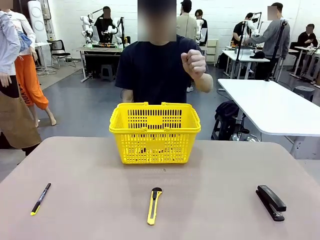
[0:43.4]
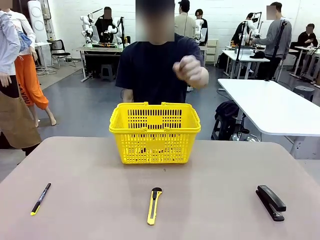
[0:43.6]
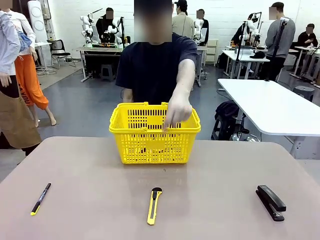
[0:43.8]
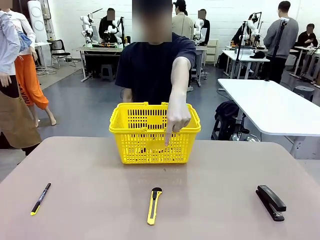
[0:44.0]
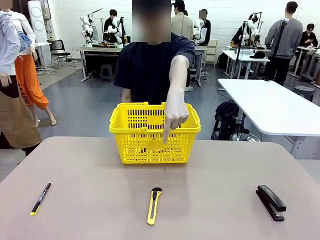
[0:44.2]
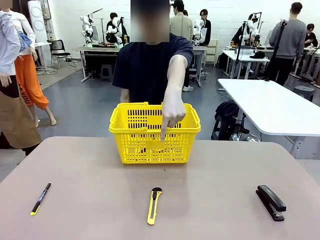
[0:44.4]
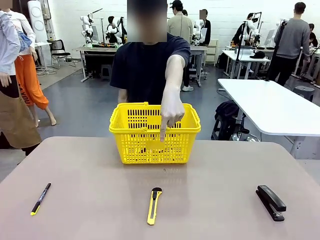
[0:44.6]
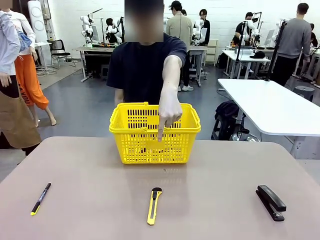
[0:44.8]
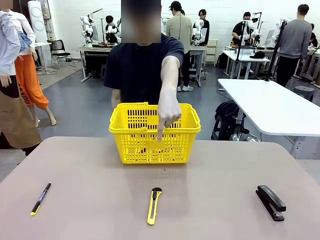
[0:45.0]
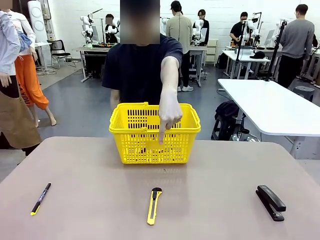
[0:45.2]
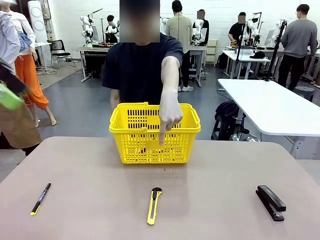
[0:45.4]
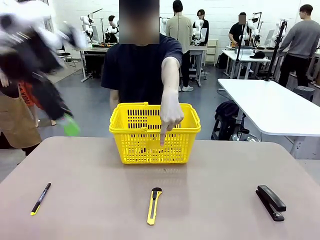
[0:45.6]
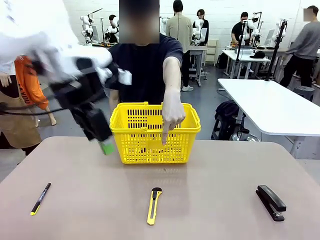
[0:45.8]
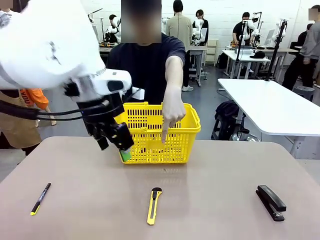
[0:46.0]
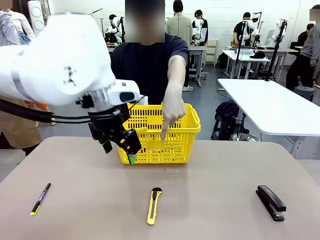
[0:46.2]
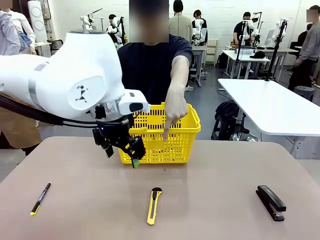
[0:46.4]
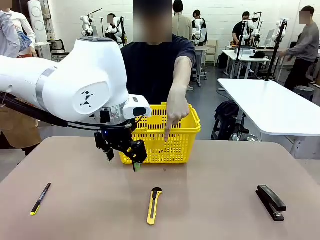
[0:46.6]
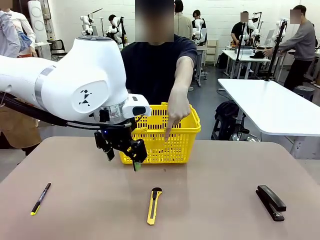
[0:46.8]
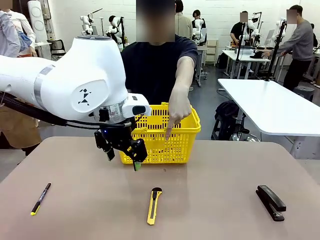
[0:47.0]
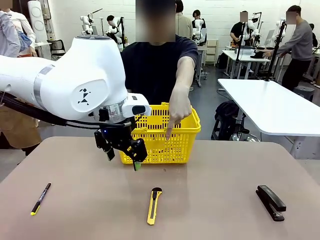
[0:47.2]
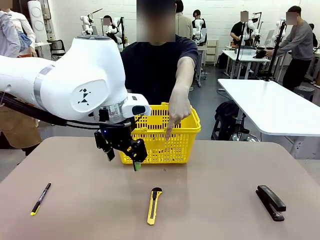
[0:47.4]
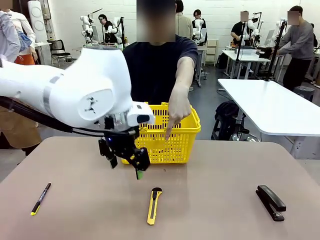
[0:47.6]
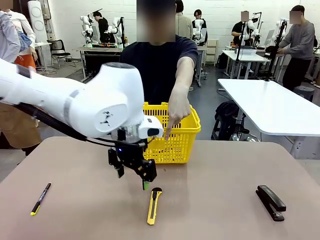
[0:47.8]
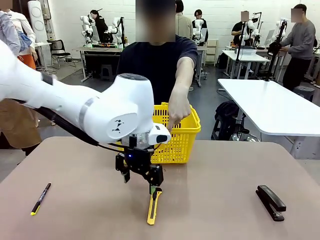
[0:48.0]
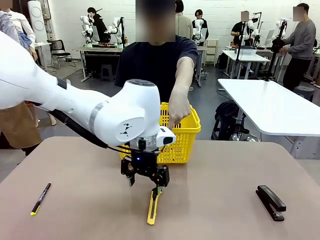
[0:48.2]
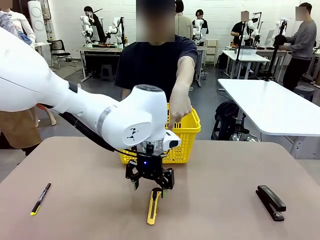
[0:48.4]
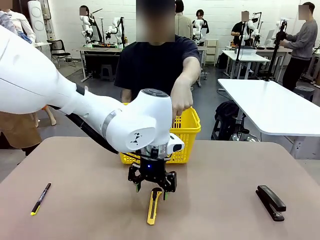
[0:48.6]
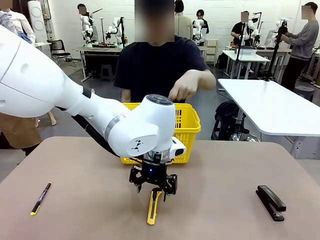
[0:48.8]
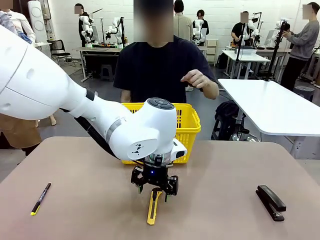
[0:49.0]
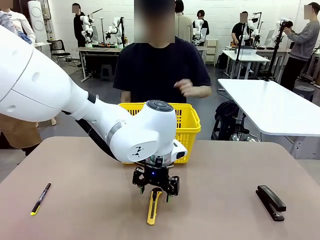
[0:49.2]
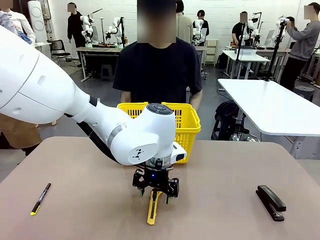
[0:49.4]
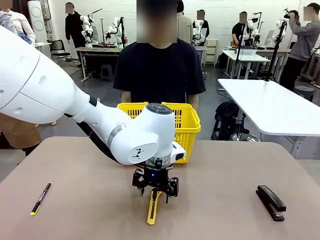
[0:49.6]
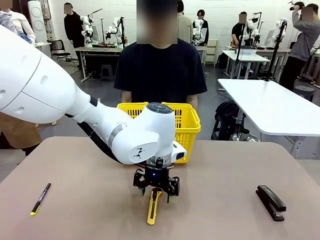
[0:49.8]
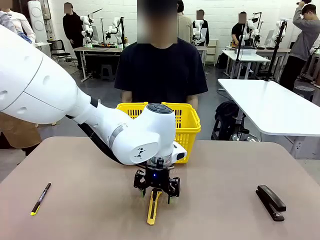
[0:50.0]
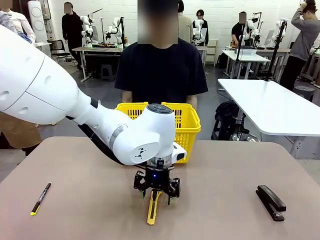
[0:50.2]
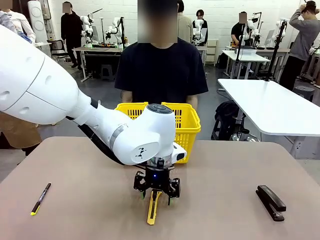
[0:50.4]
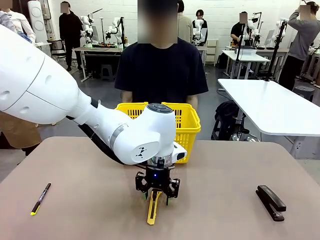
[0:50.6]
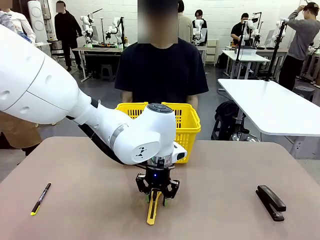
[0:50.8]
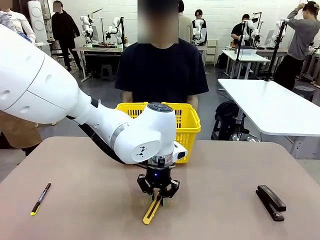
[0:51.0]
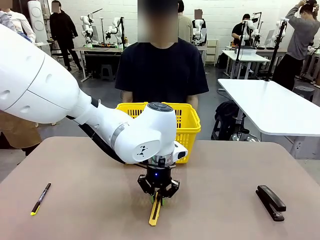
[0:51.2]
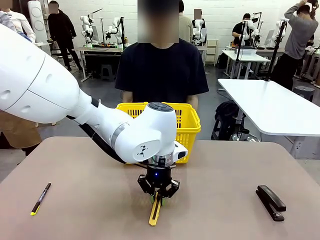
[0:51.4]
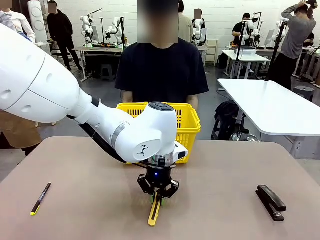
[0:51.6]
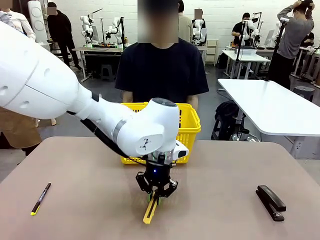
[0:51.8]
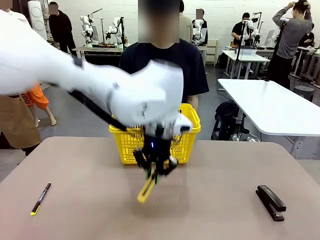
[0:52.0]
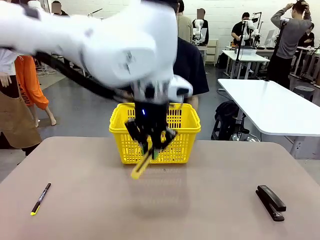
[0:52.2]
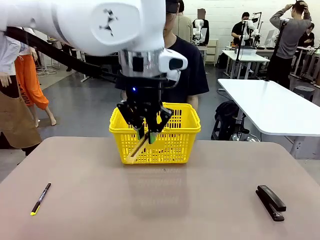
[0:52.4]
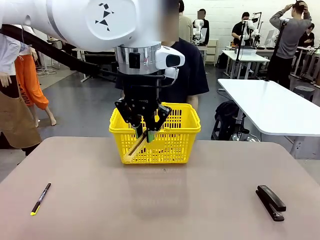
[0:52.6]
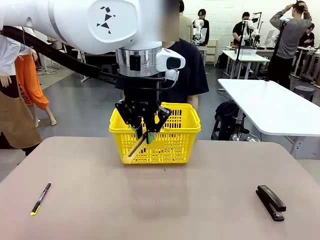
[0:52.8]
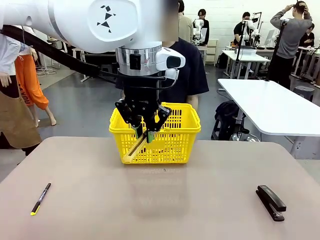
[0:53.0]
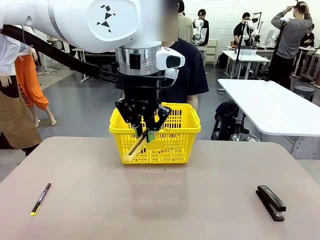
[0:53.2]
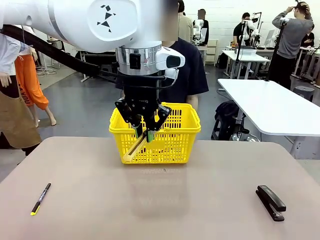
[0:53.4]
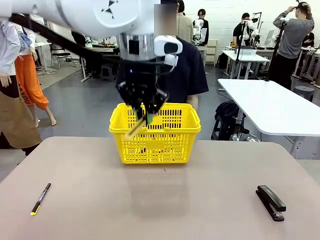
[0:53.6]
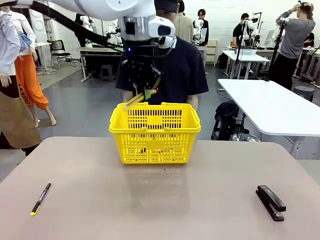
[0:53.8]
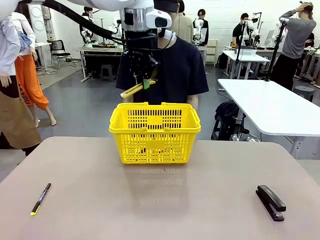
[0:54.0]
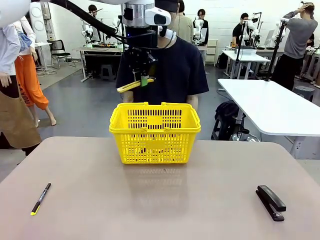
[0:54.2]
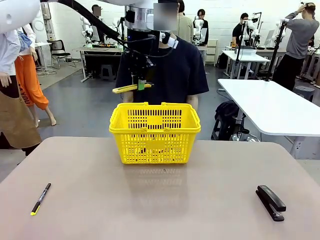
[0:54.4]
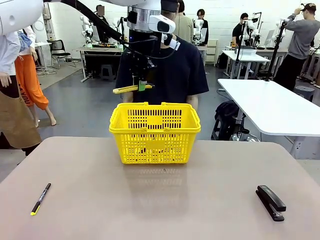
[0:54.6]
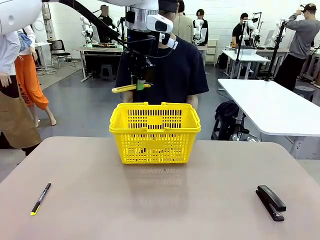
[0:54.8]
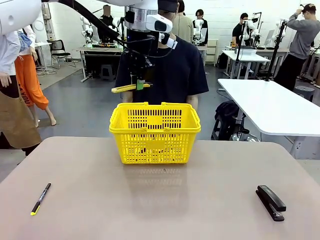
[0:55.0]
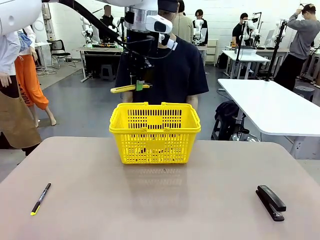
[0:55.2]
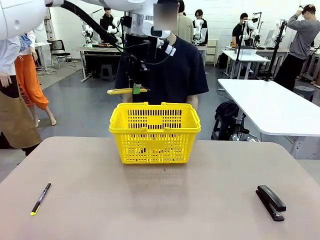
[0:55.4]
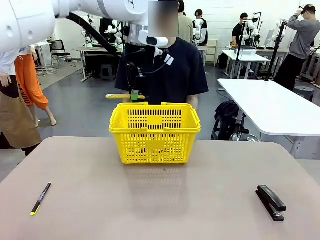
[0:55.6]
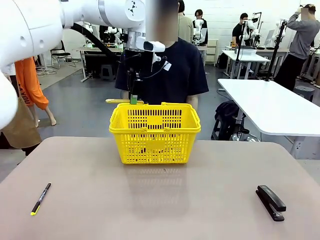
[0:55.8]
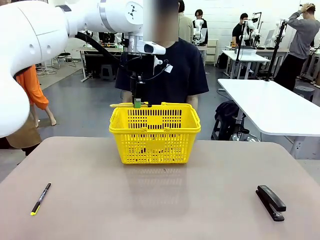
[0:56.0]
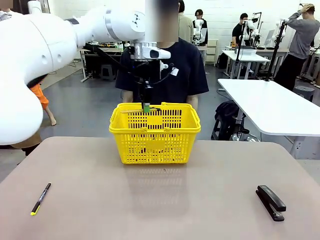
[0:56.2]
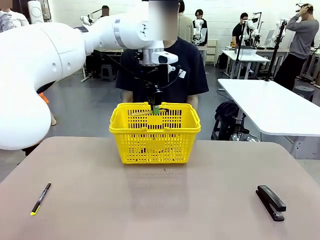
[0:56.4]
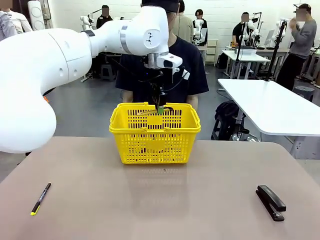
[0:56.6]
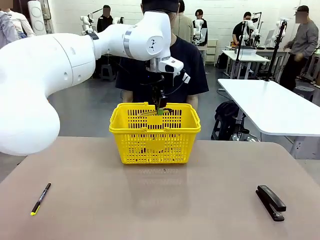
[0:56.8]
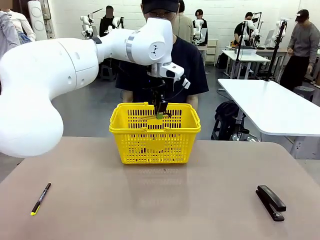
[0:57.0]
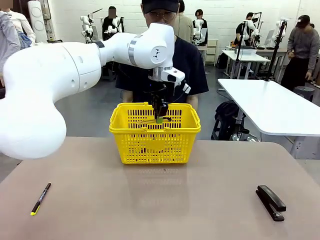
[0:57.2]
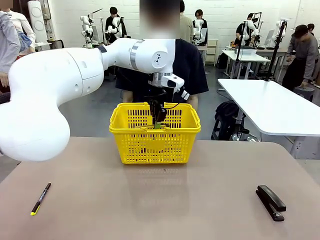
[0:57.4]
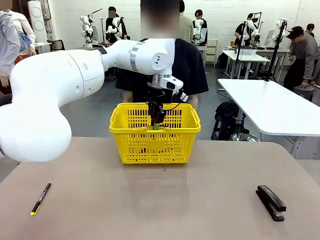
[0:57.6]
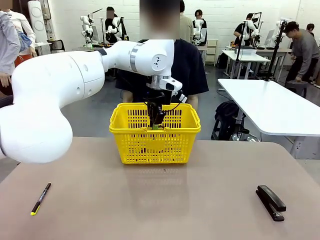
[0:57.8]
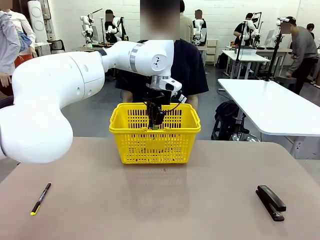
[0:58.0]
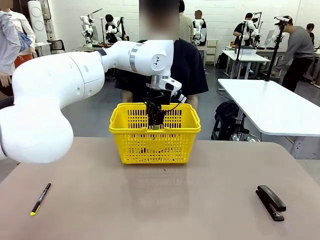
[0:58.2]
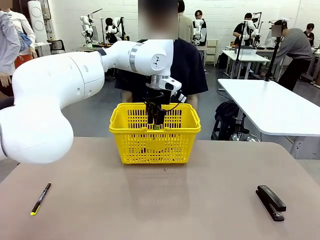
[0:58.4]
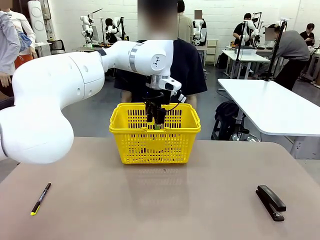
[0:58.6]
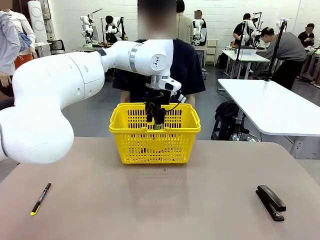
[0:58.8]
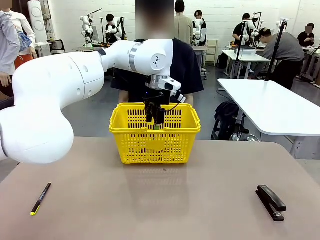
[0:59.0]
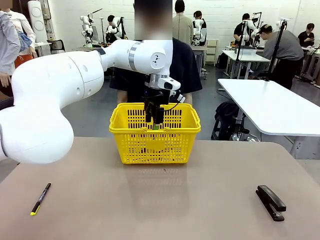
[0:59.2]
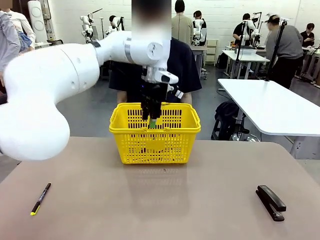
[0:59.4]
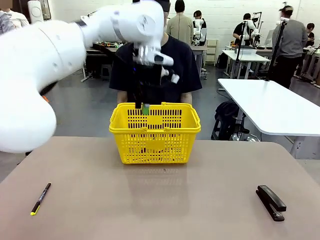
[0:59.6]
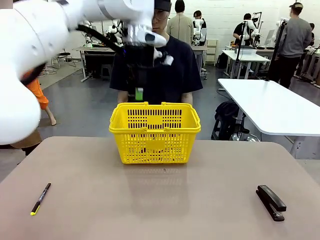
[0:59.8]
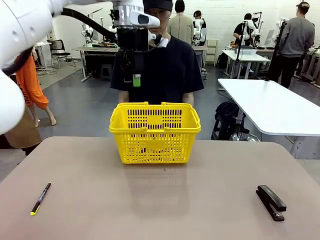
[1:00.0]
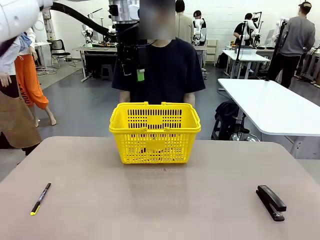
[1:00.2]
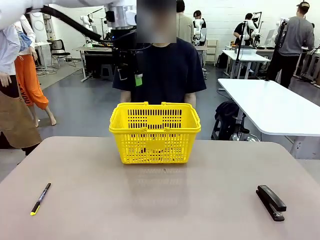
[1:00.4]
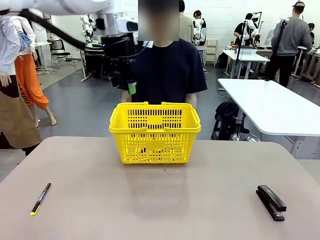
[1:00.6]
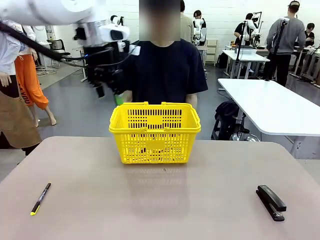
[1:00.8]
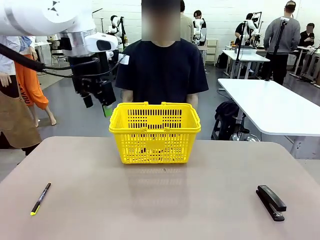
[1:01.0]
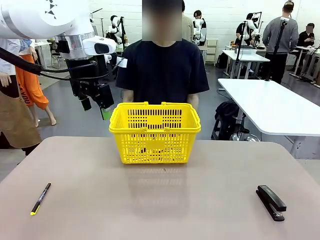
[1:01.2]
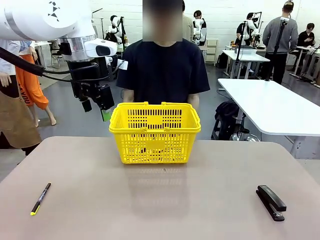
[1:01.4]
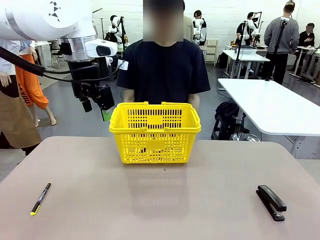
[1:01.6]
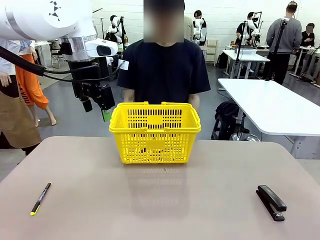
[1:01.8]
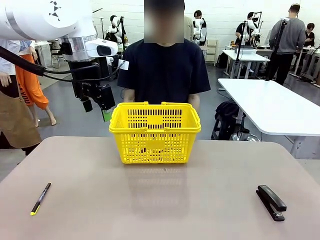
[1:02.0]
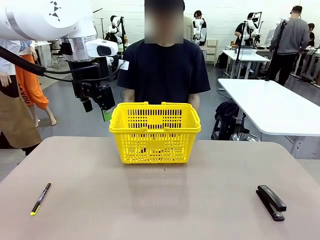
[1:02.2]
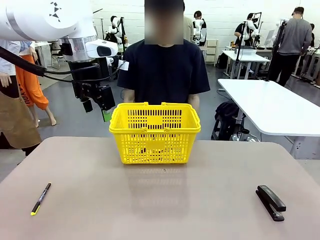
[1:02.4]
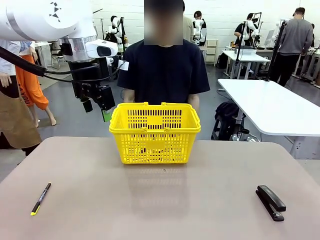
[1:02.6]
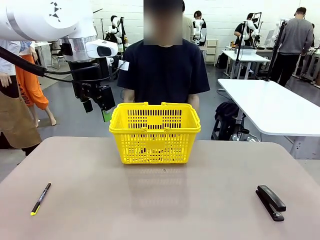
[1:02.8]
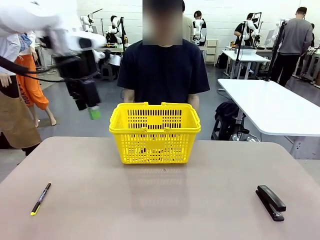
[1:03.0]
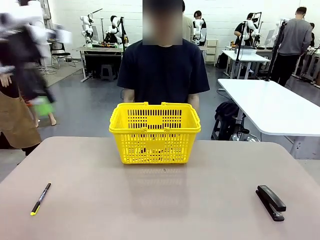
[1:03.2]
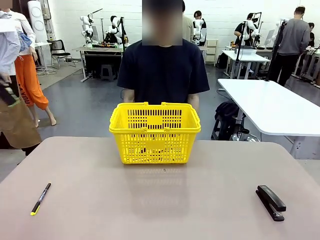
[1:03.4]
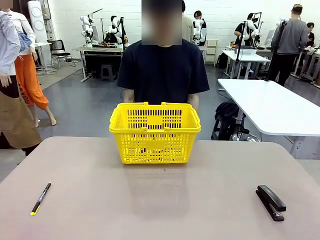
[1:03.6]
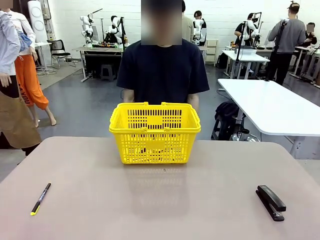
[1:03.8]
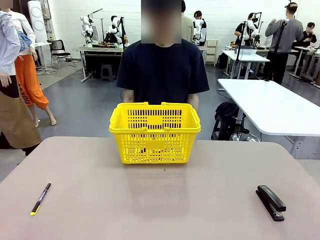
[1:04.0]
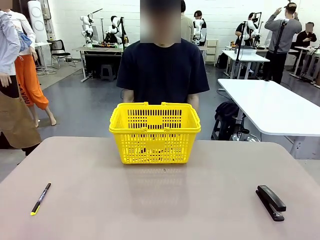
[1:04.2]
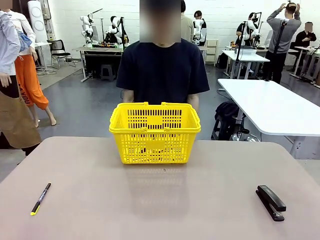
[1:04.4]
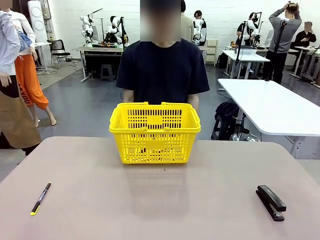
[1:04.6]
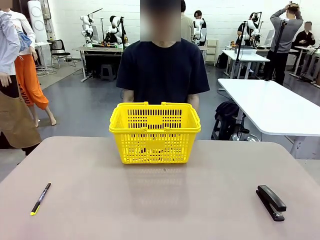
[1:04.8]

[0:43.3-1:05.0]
Task: Place the items the person wants into the basket.
Robot: Pick up the item the person points to and place it in the Market Basket.
